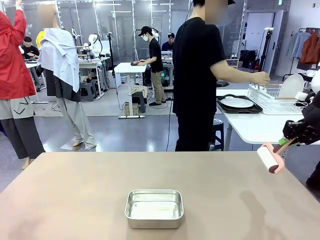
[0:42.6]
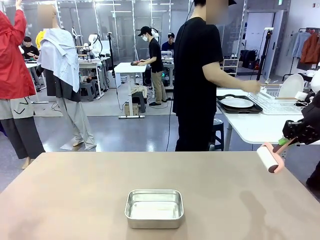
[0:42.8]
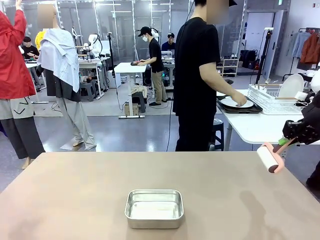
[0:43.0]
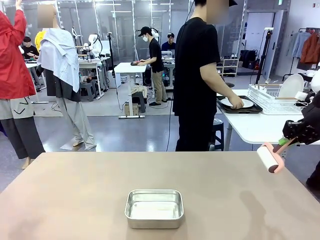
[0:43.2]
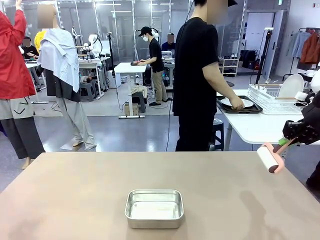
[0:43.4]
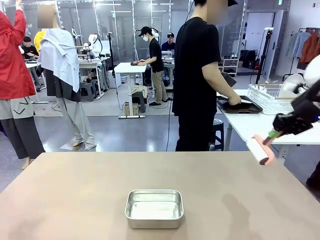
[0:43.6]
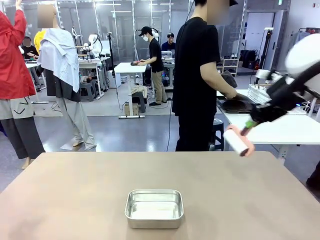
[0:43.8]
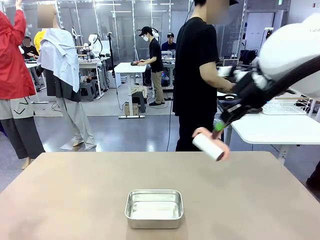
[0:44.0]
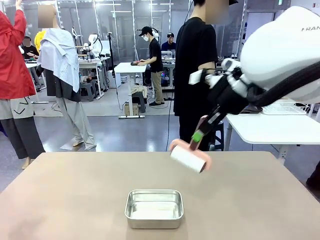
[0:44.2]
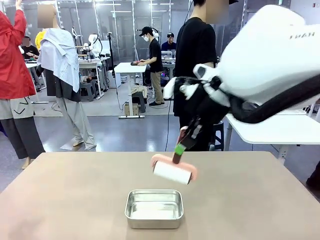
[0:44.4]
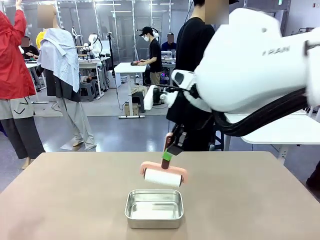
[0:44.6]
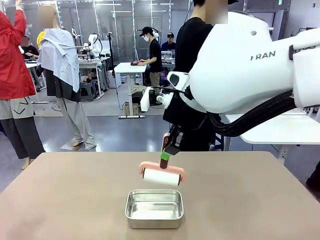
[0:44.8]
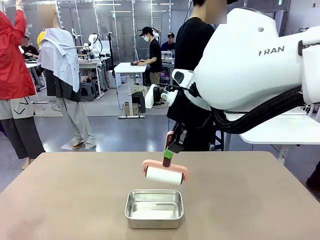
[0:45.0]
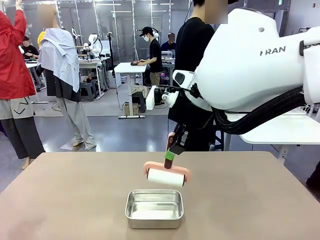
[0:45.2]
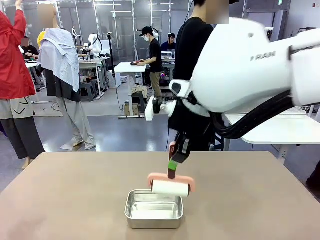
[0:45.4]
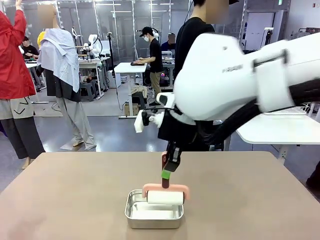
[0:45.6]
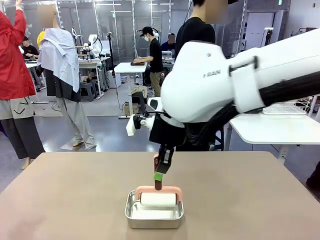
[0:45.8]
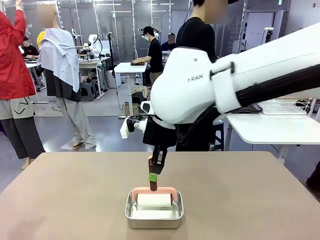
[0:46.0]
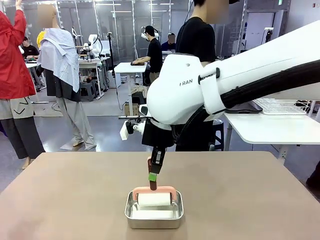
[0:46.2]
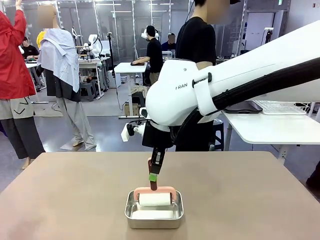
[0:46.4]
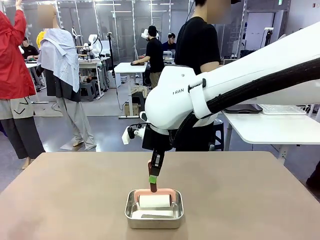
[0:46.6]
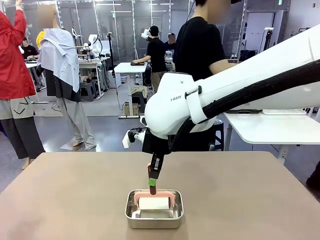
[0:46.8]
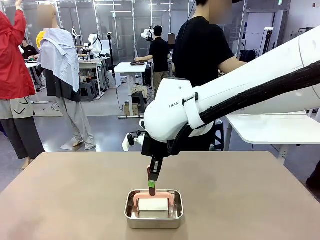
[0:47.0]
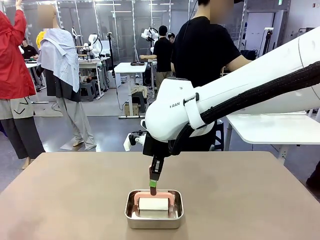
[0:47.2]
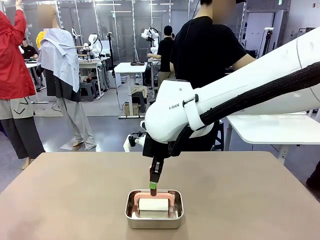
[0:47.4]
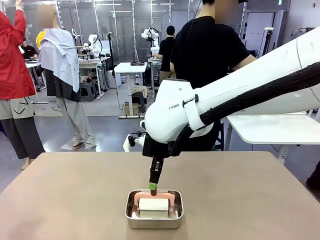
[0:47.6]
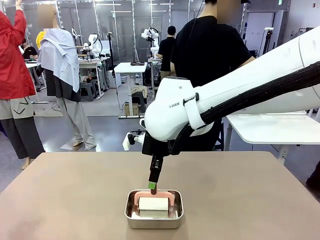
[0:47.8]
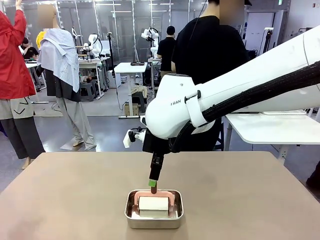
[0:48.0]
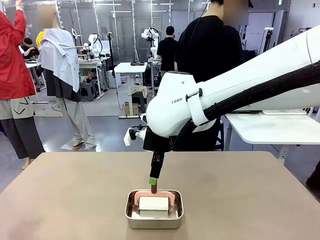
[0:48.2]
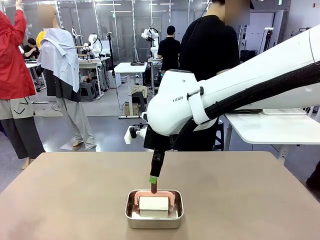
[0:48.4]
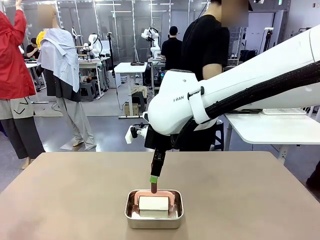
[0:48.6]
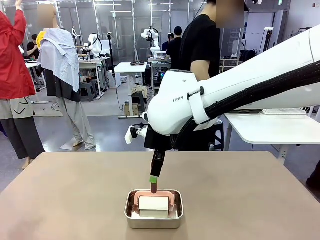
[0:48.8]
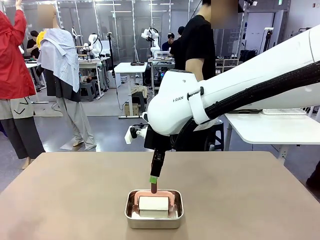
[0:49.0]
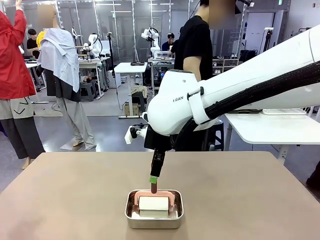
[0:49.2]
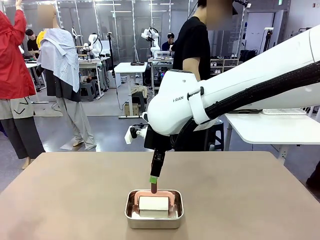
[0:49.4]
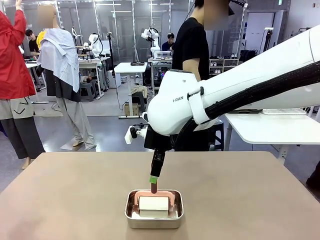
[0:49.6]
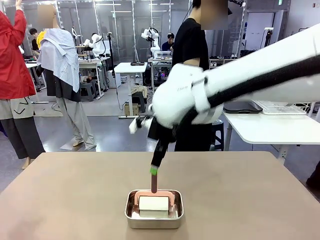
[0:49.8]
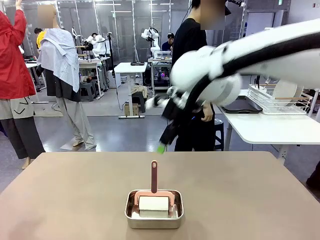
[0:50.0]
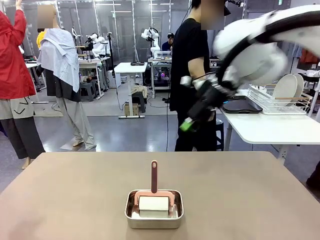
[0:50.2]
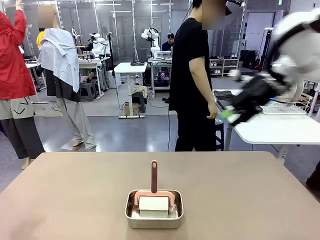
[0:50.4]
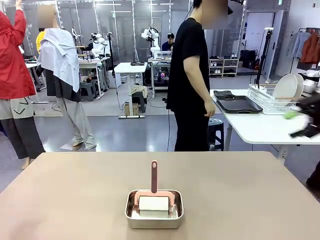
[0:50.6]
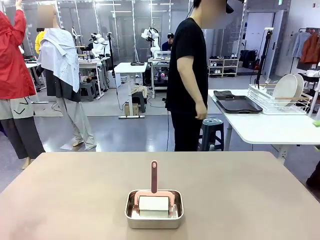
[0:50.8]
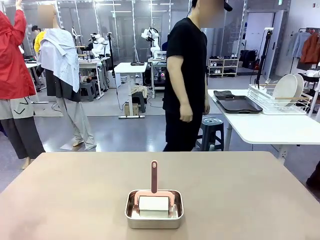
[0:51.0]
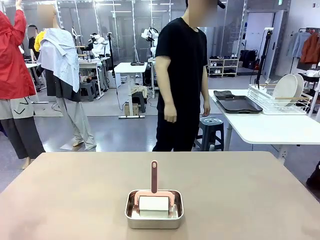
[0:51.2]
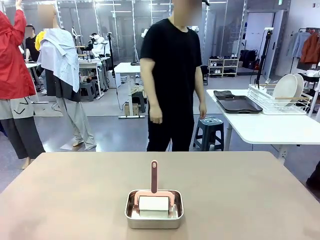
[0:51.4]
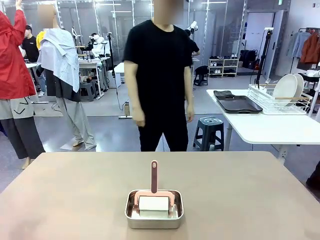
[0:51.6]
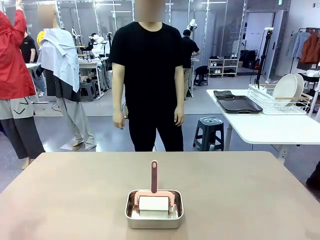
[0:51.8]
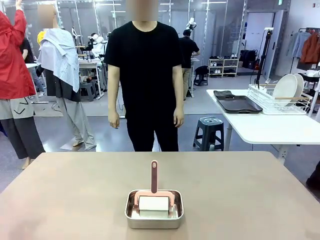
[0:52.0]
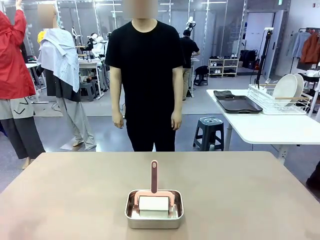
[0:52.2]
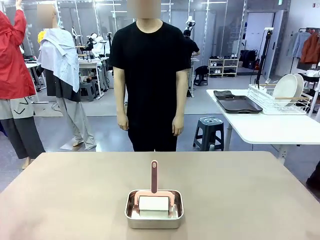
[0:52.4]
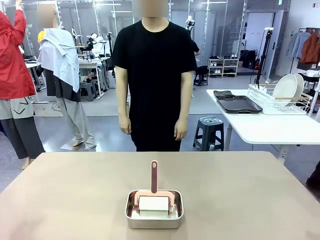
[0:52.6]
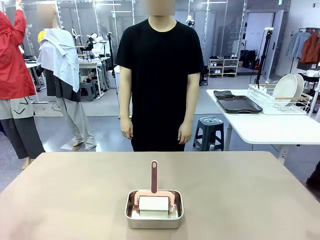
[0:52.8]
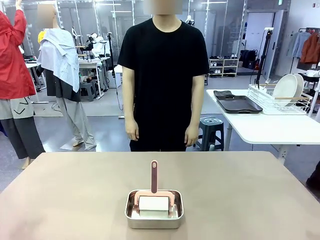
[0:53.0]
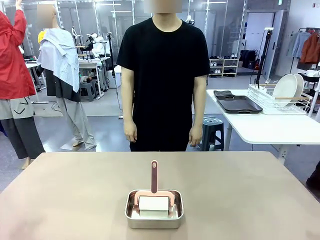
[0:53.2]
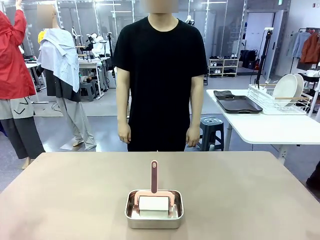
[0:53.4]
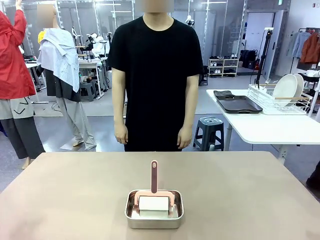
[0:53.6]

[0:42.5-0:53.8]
Robot: Place the Lint Roller back on top of the Airtight Container.
Person: Use the Towel with hook to wipe the Plastic Matte Plate , Fork , and Knife and place into the Dish drying rack.
